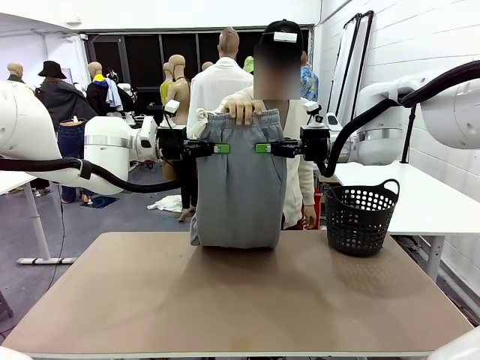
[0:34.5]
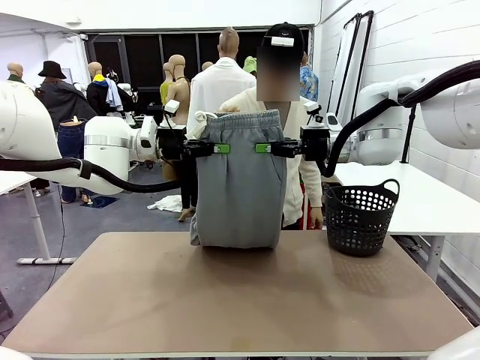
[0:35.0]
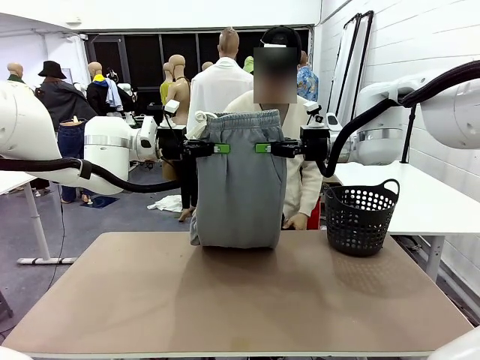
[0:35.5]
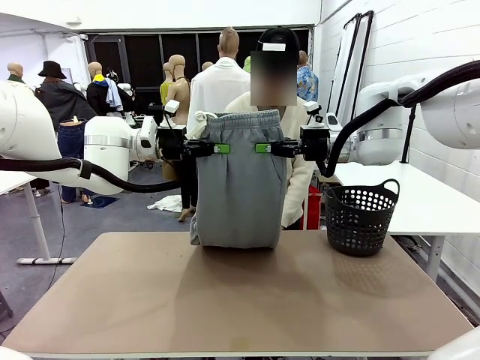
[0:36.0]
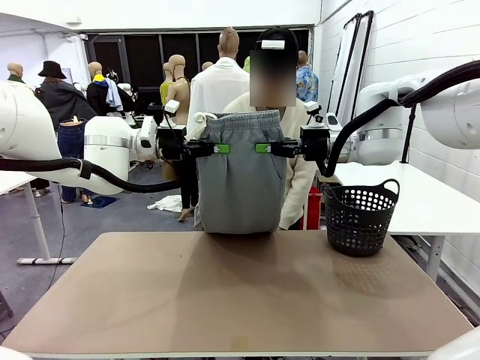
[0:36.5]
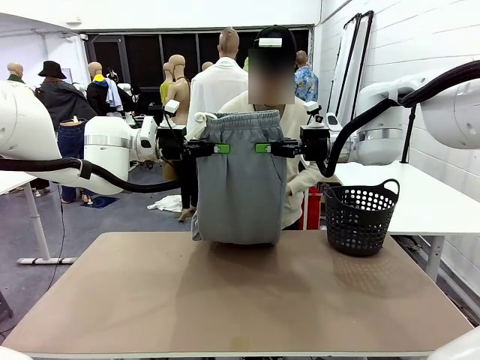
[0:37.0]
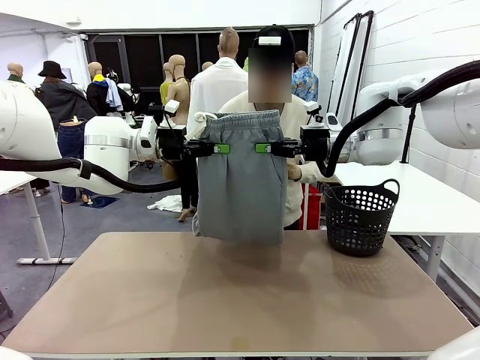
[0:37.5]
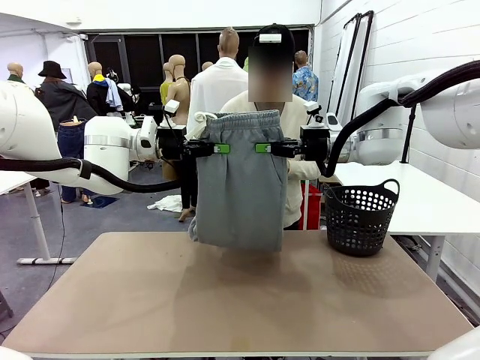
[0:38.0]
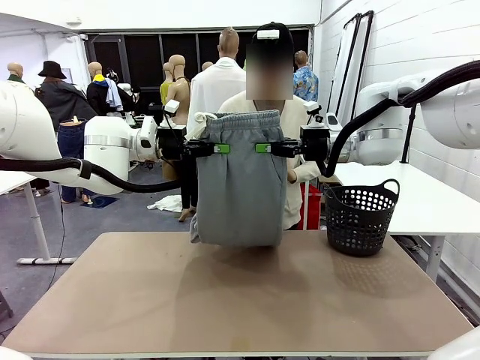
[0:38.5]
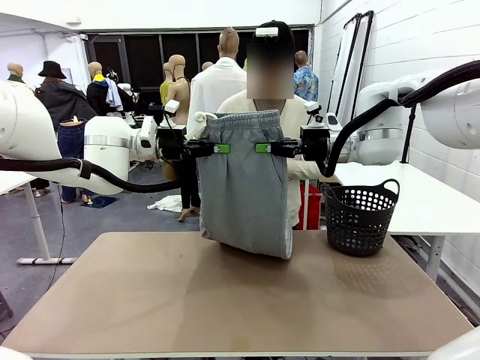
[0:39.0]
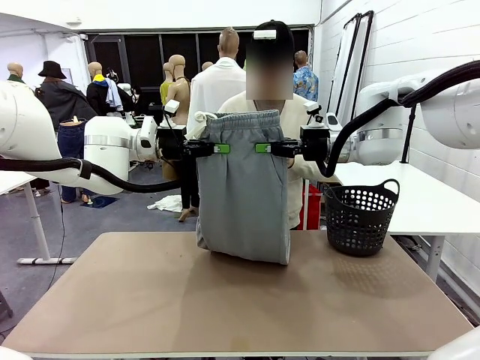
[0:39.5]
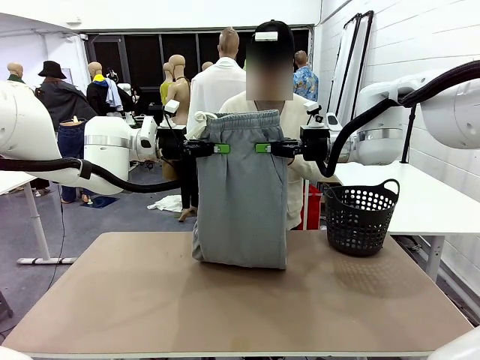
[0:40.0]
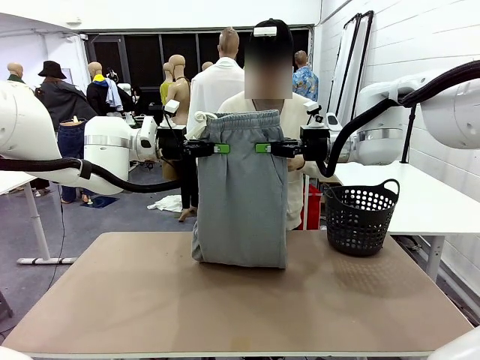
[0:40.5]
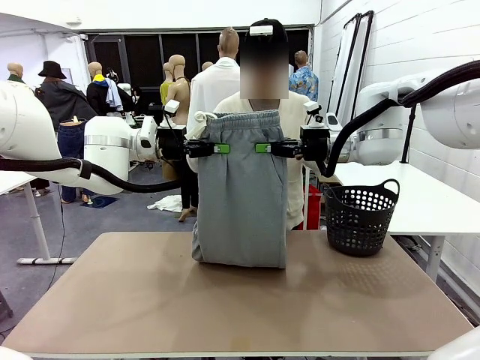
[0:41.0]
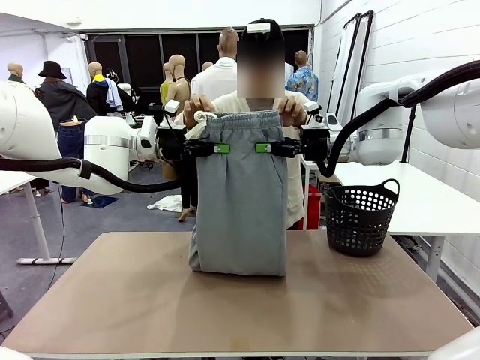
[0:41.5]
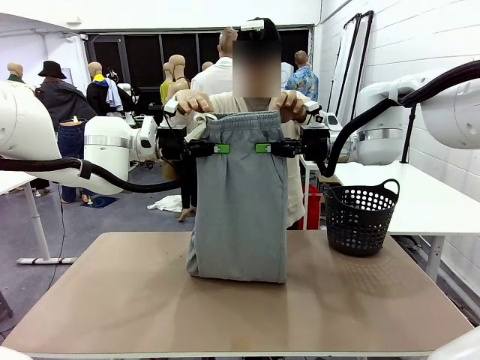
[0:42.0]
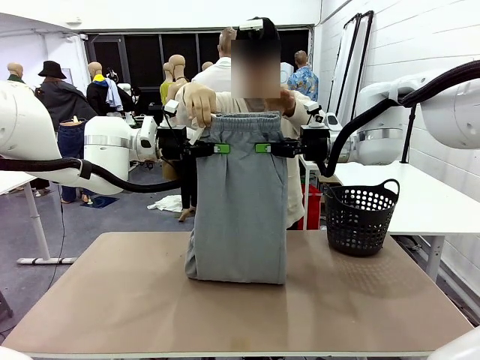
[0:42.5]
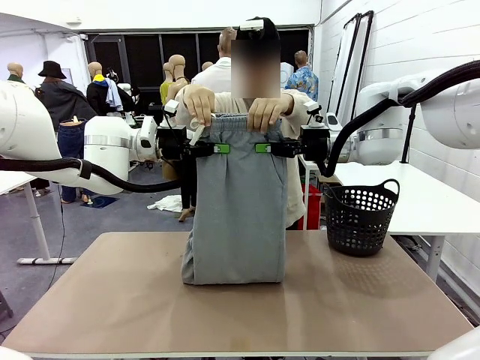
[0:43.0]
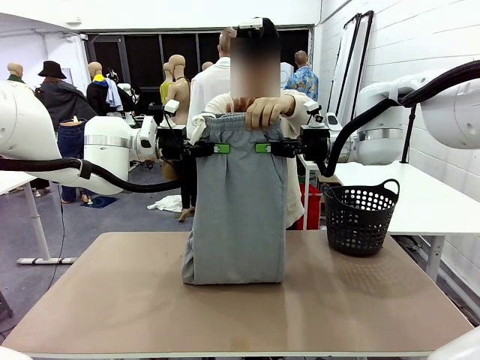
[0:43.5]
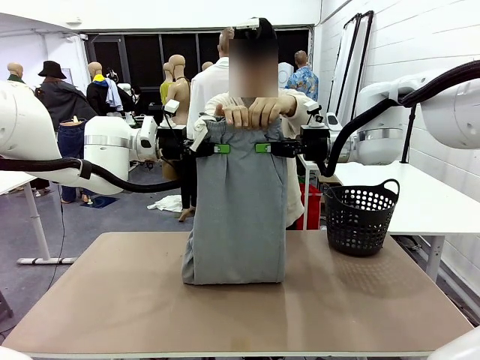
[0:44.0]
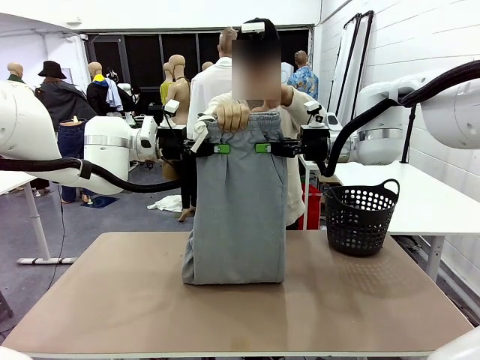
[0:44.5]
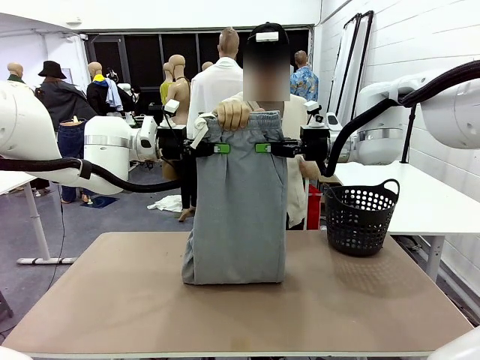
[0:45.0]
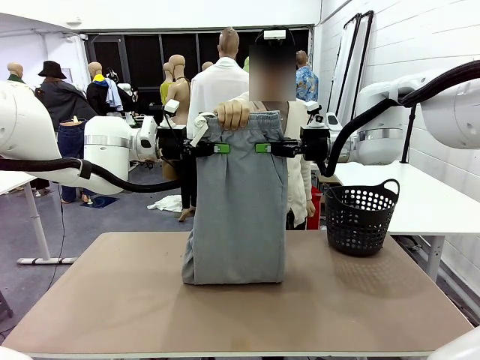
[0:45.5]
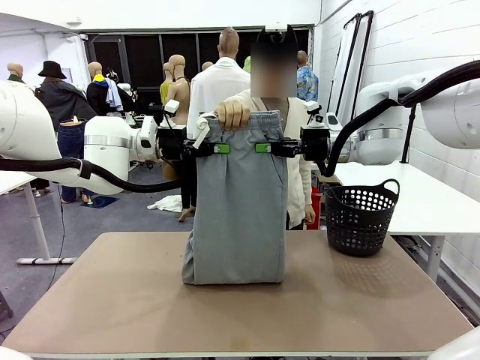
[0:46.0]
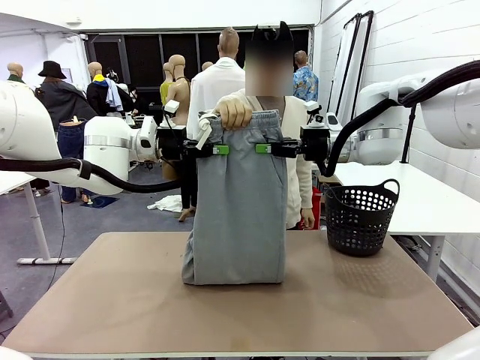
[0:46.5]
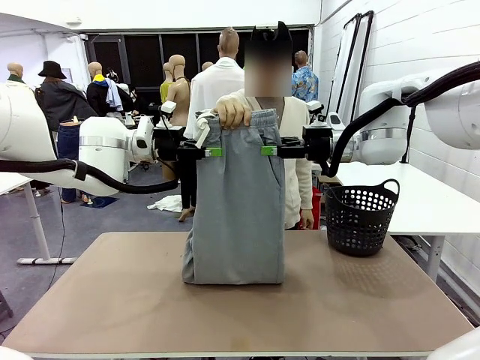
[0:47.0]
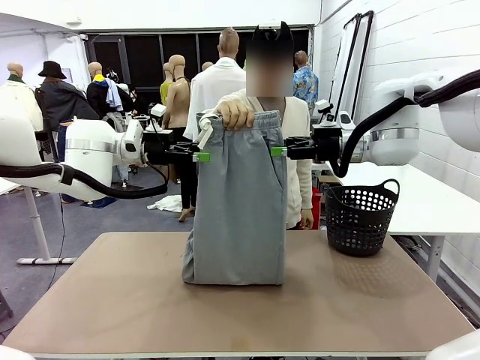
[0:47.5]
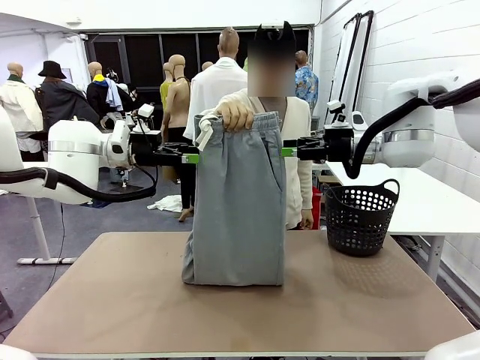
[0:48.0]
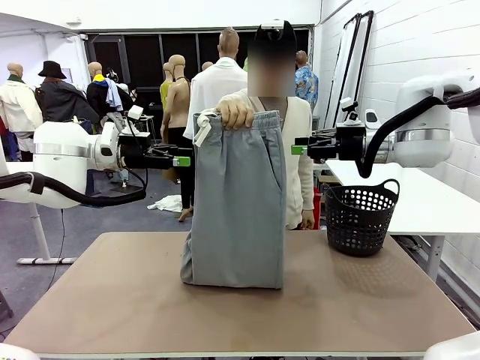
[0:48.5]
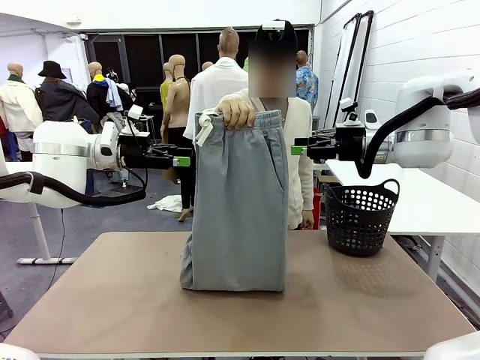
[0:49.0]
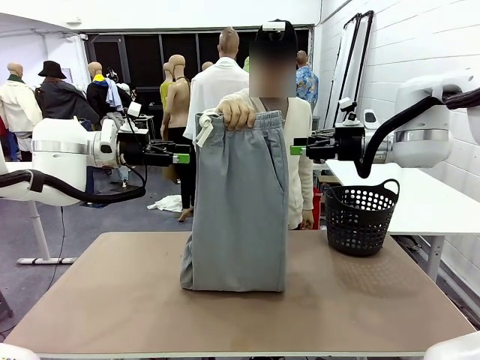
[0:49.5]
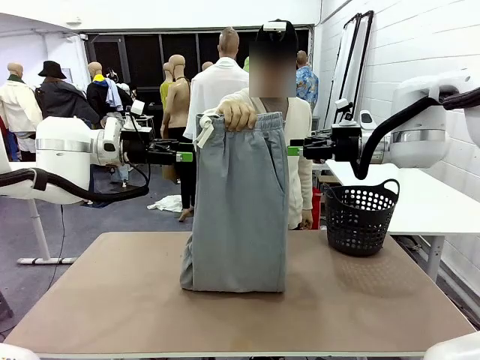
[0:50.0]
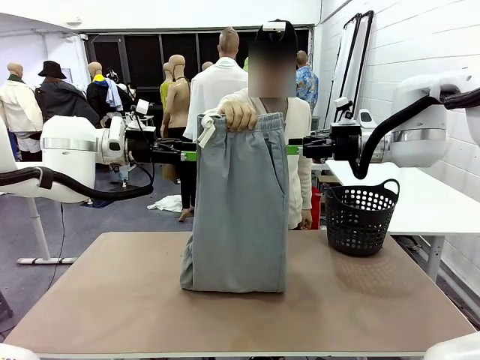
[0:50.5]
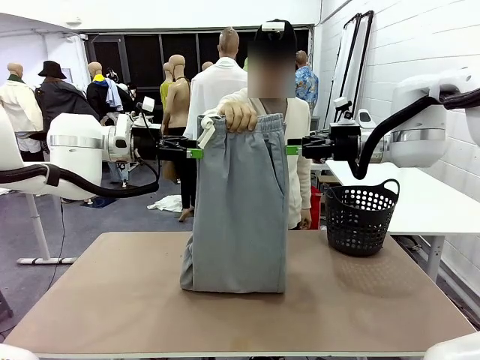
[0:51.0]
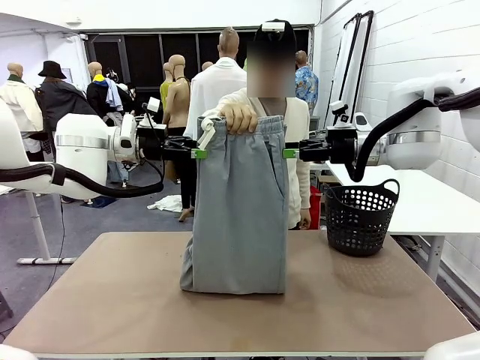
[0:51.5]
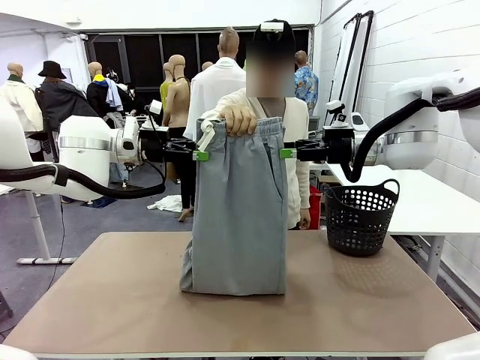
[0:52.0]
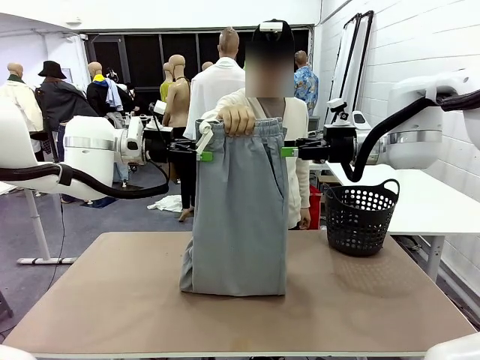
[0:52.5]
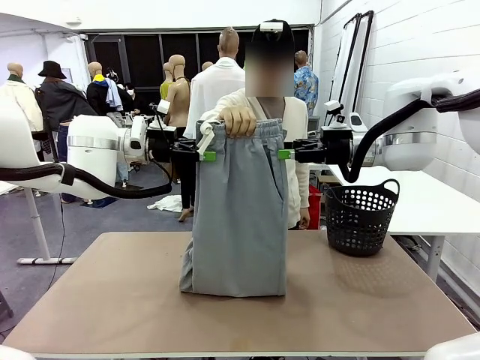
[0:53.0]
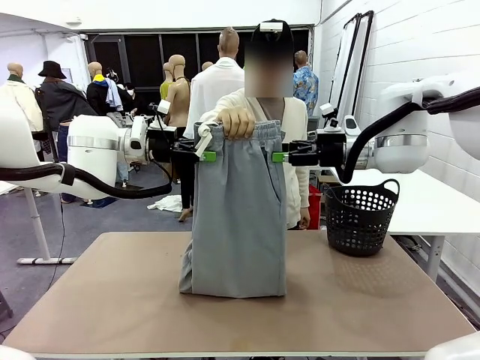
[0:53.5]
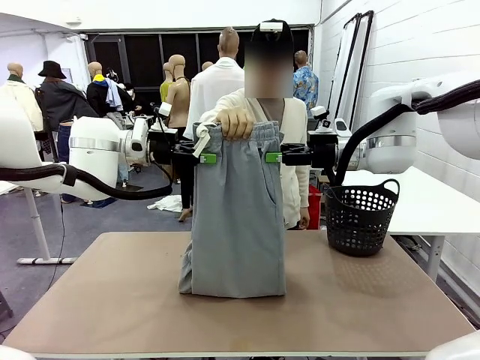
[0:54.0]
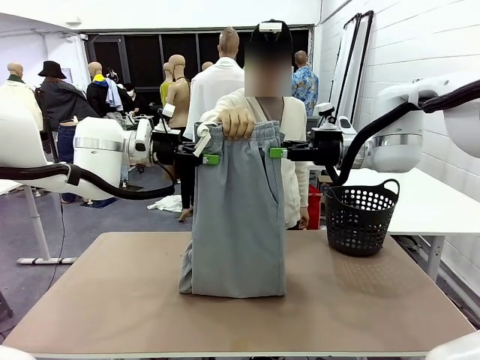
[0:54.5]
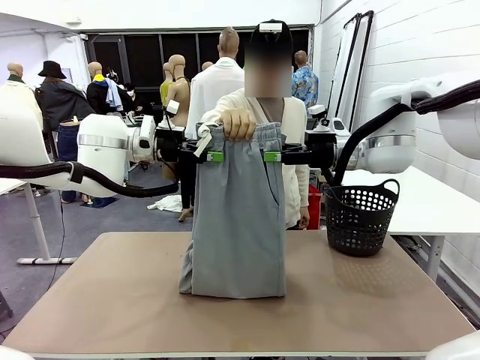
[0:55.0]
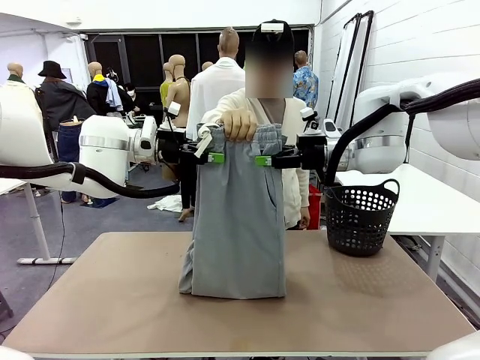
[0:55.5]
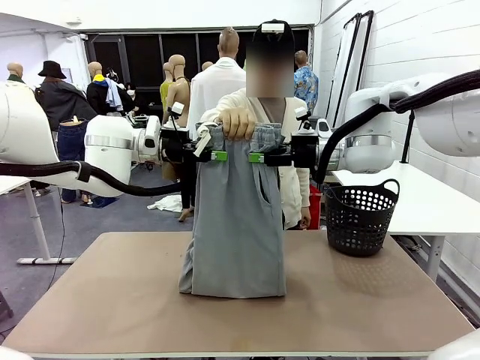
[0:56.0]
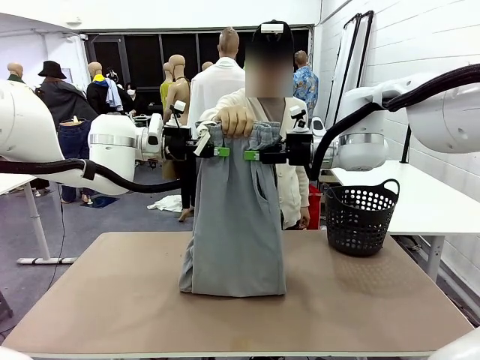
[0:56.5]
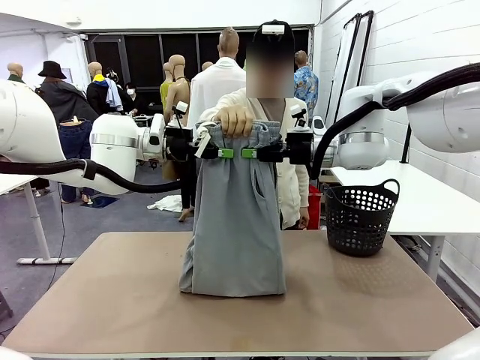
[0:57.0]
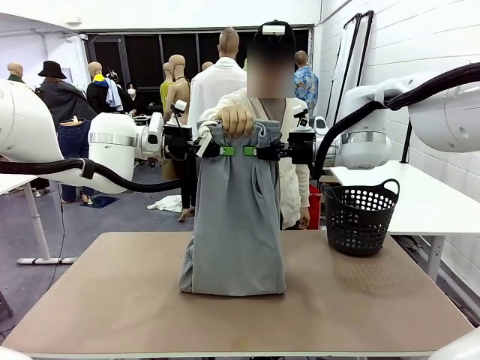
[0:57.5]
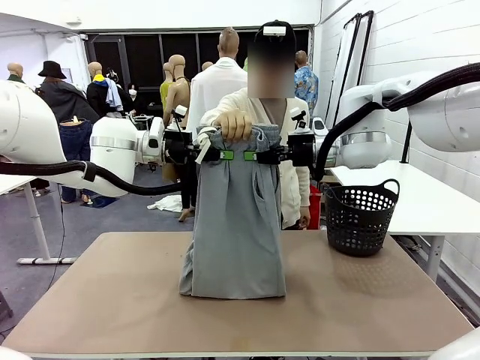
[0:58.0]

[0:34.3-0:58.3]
Task: Fold the training pants.
Robot: Release the ends of the Training pants and then grab the overlapped ends.
Person: Release the pants you were holding.

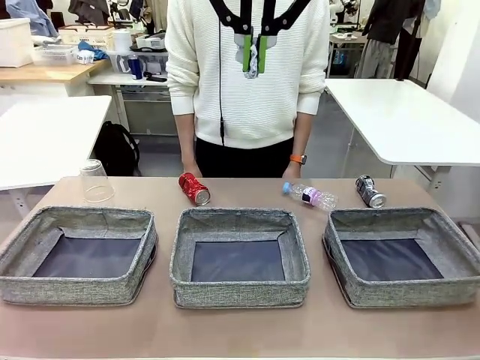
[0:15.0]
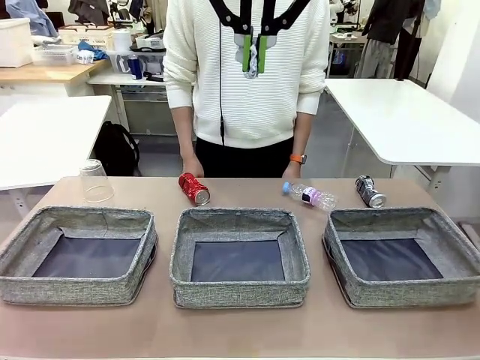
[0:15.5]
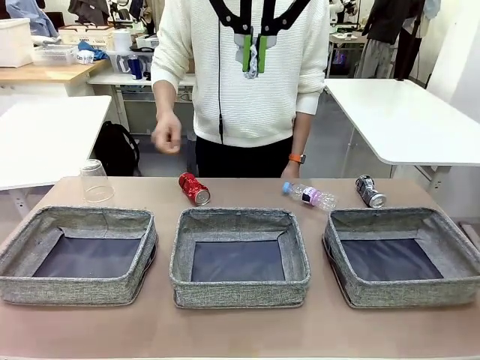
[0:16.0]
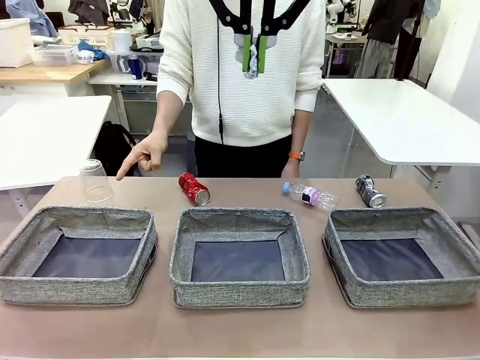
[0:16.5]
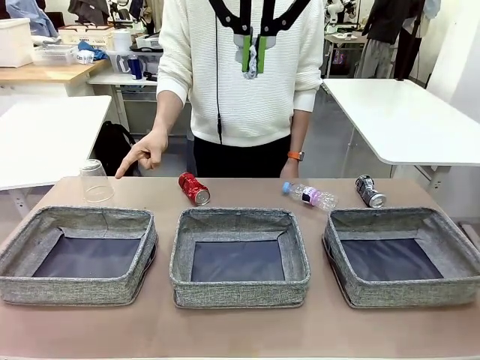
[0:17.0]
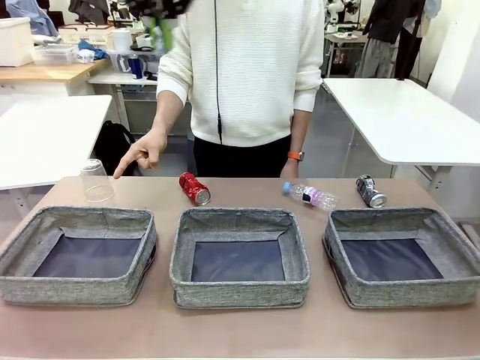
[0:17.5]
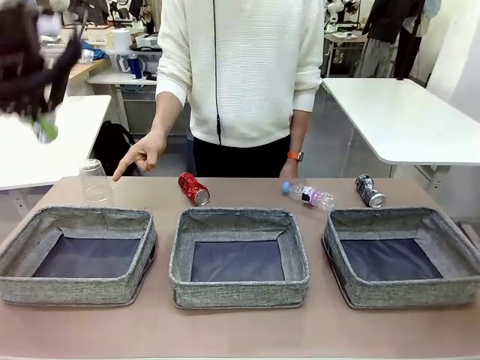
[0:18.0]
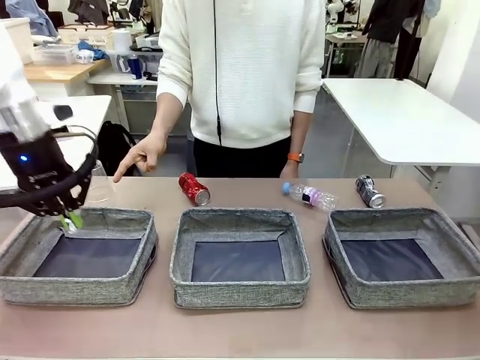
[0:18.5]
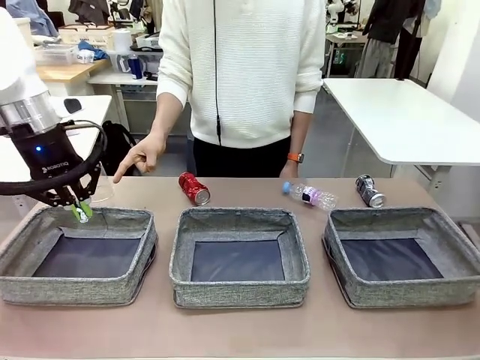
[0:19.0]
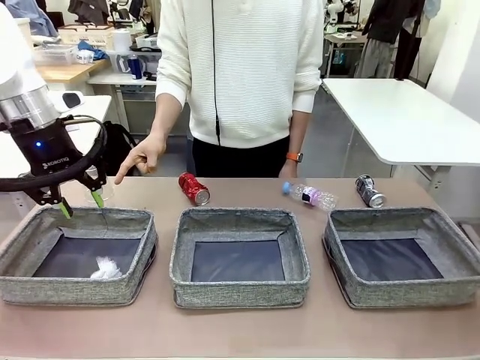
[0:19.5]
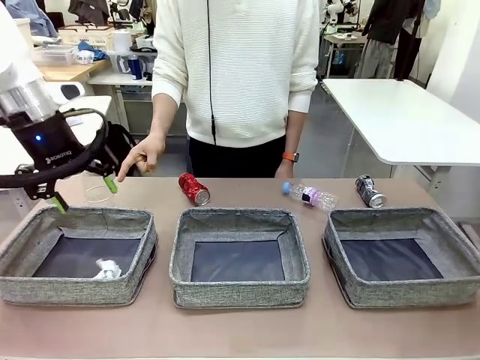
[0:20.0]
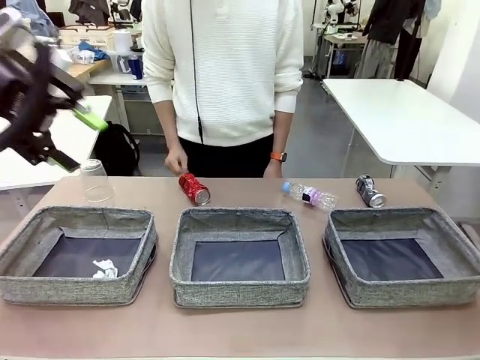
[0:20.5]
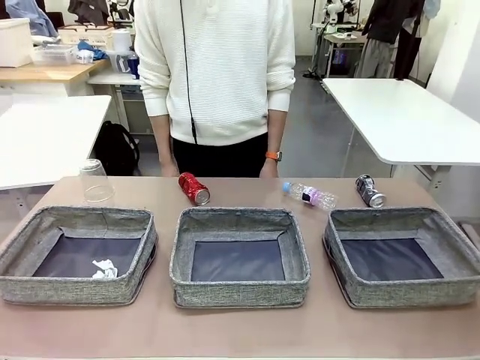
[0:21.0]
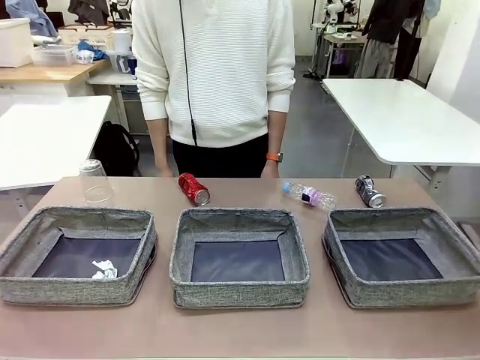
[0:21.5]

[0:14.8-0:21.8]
Task: Sort the waste into the appropriate baskets.
Robot: Place the picked waste into the Fabric basket indicated by the person.
Person: Instructs the robot to place the picked-up trash into the appropriate organizing basket.
